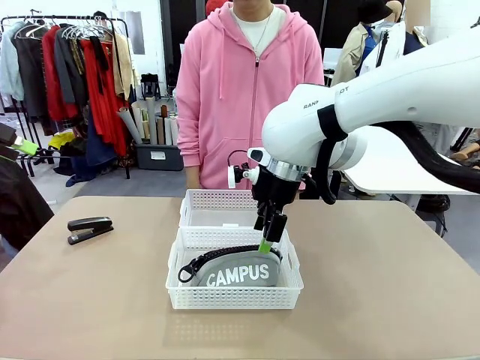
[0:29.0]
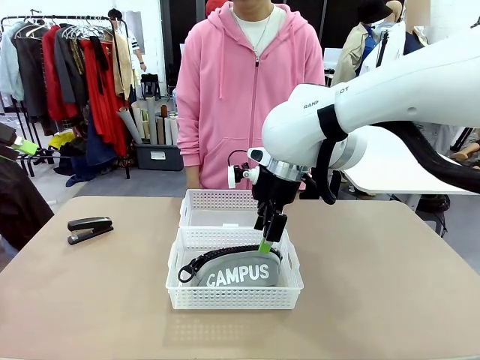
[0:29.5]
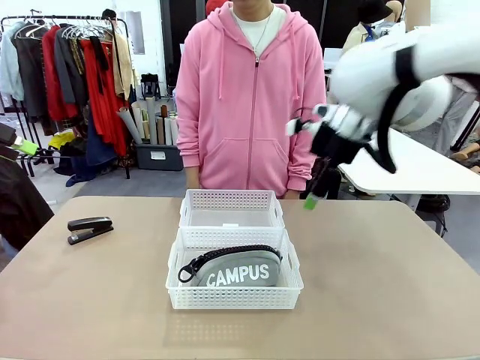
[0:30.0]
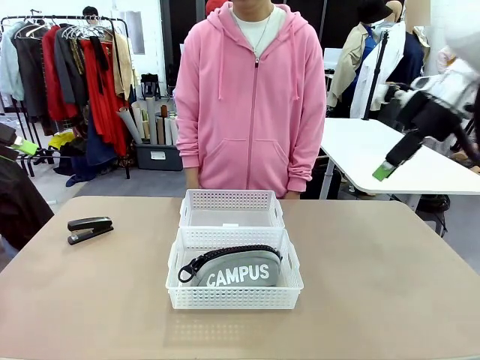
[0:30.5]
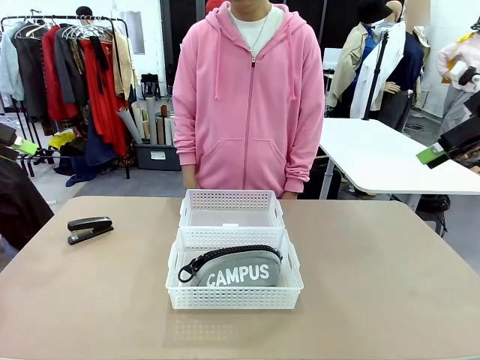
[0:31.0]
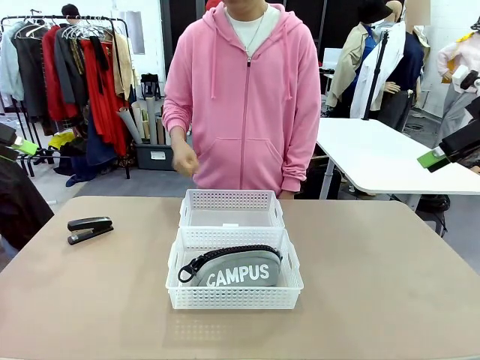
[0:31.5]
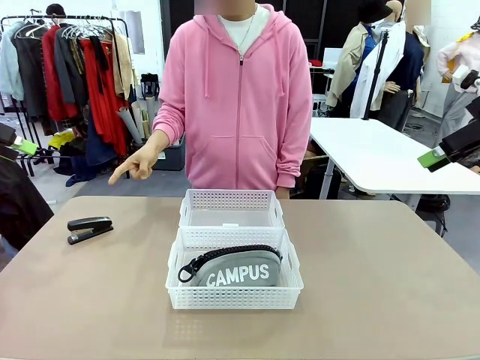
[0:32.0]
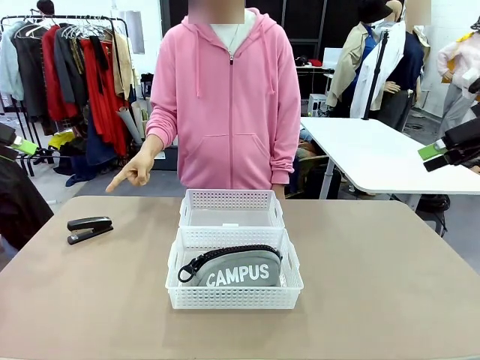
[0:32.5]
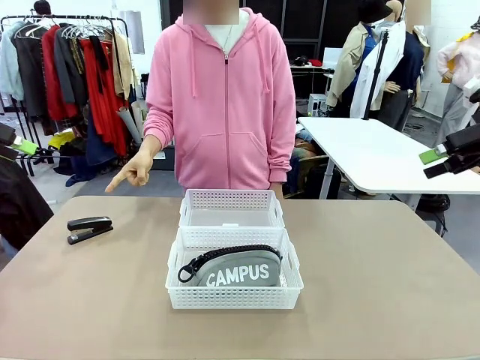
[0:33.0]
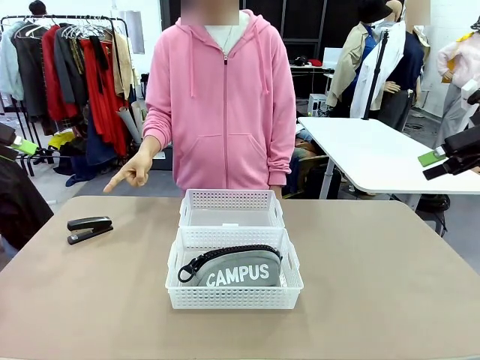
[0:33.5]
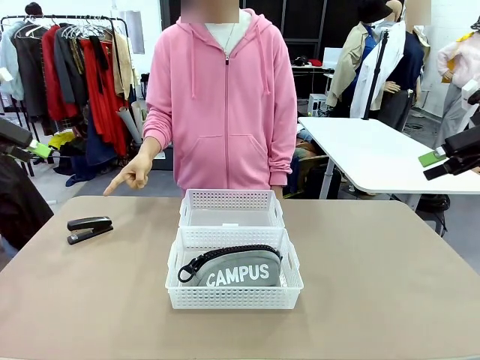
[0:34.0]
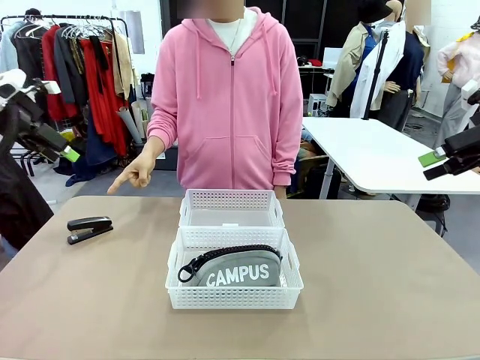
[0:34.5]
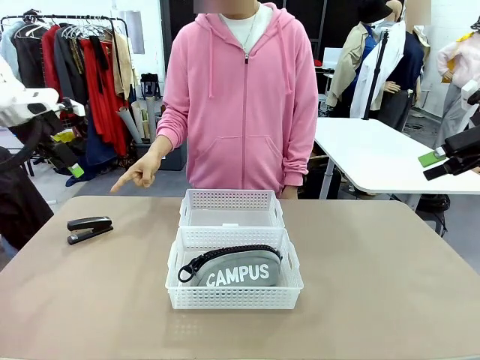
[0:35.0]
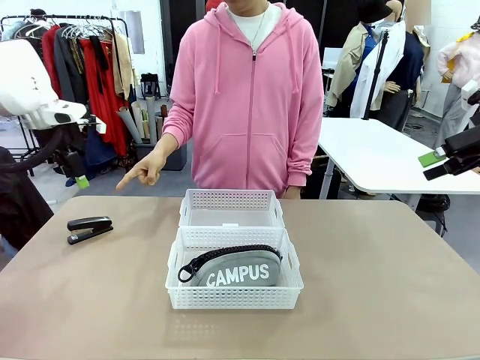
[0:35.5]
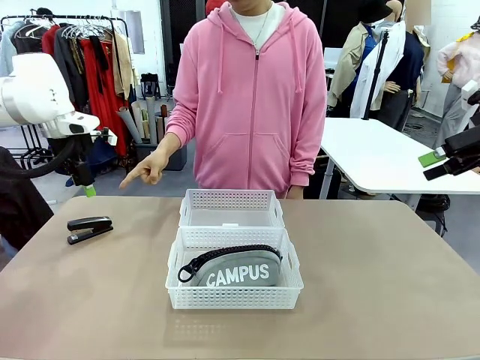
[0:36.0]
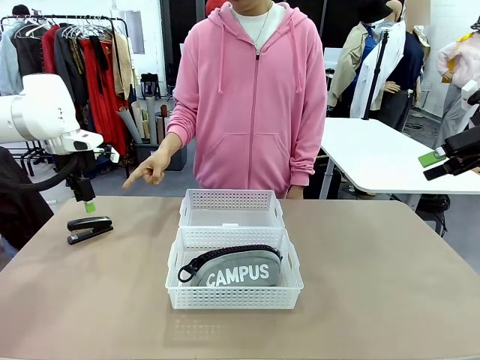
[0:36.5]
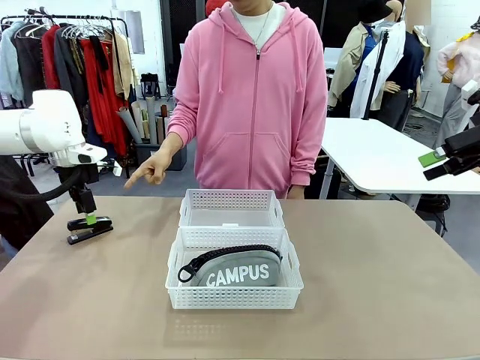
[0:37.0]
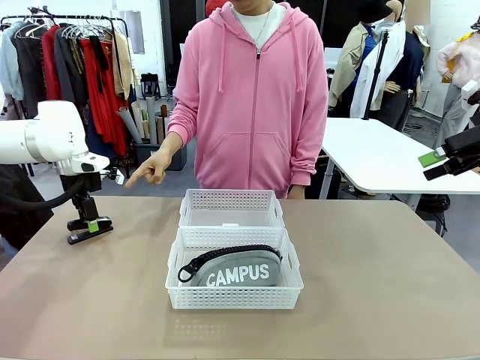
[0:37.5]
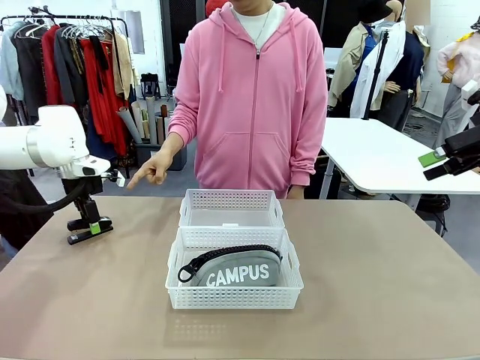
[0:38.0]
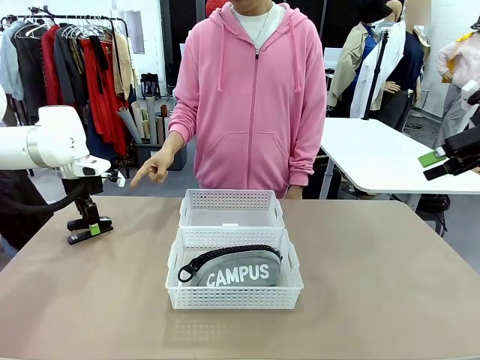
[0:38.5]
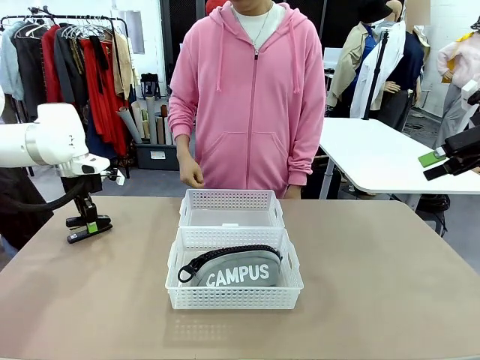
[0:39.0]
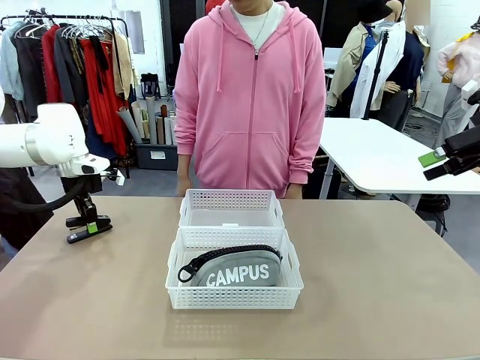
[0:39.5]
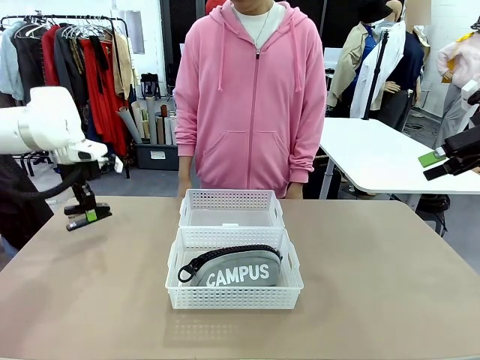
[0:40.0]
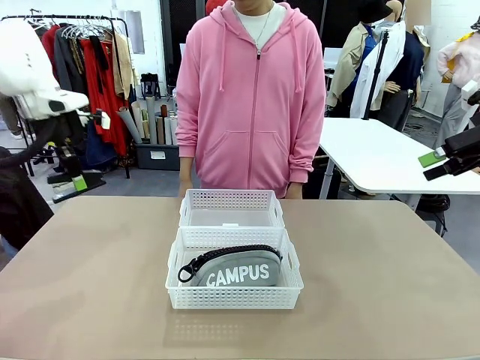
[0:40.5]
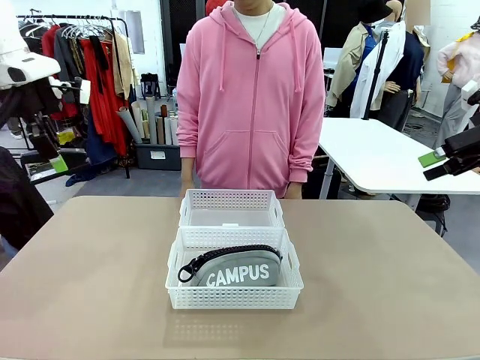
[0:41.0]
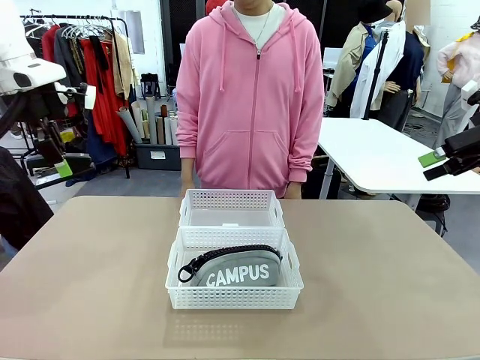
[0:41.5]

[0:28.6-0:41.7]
Task: Distribute items into two baskets.
Robot: Pick up the Stapler that the person points to.

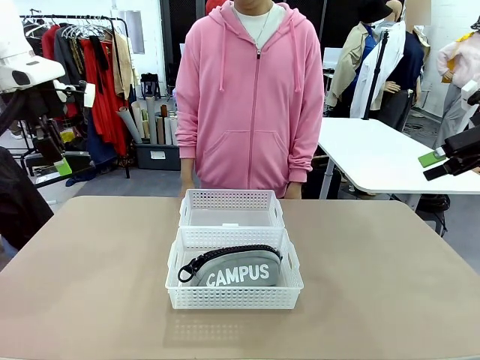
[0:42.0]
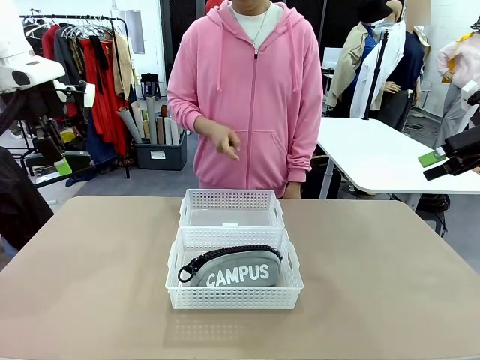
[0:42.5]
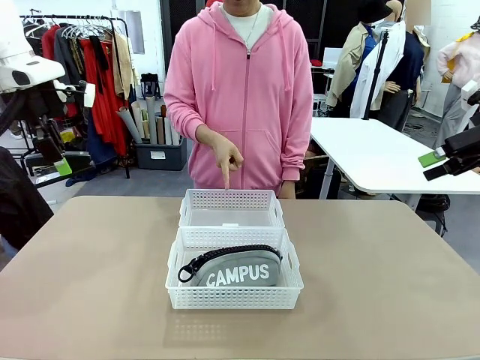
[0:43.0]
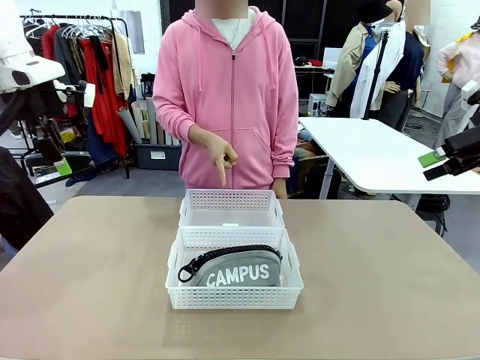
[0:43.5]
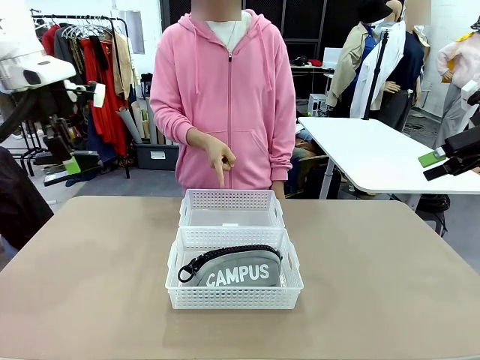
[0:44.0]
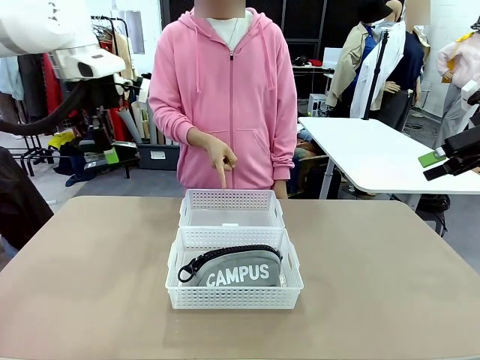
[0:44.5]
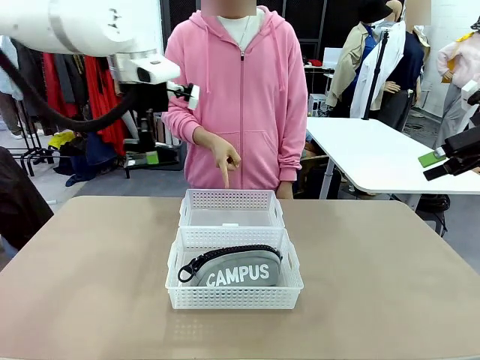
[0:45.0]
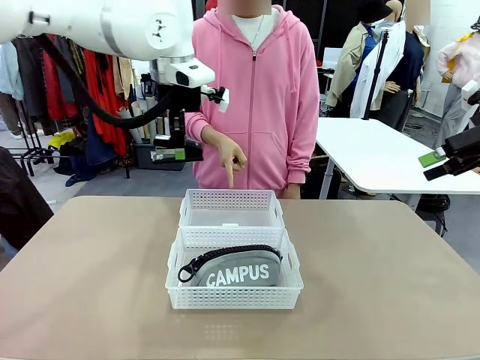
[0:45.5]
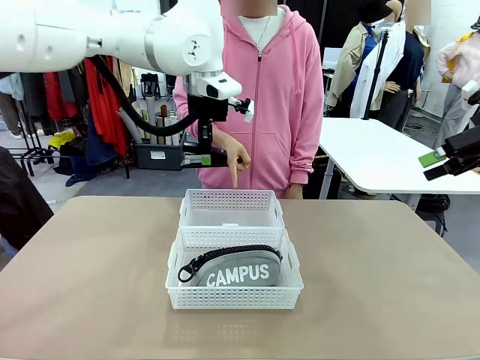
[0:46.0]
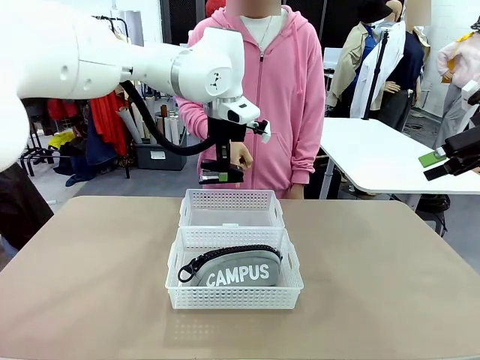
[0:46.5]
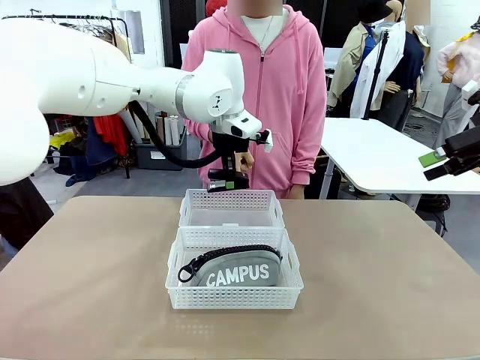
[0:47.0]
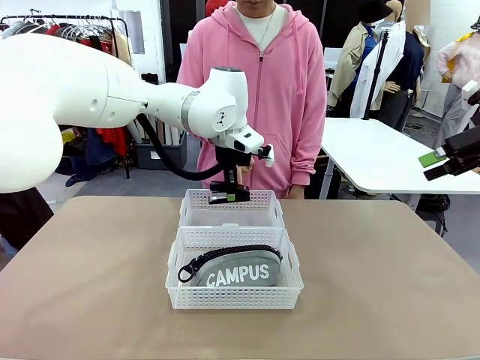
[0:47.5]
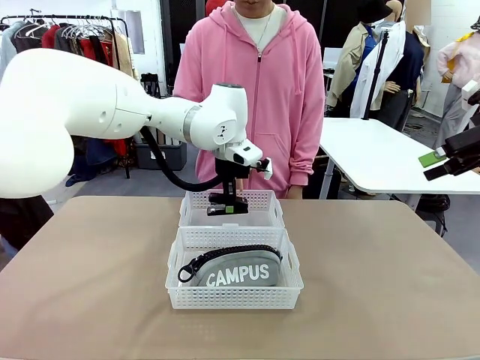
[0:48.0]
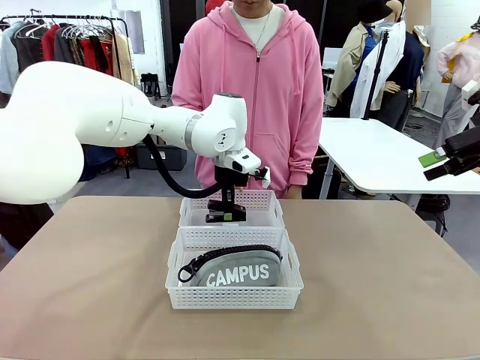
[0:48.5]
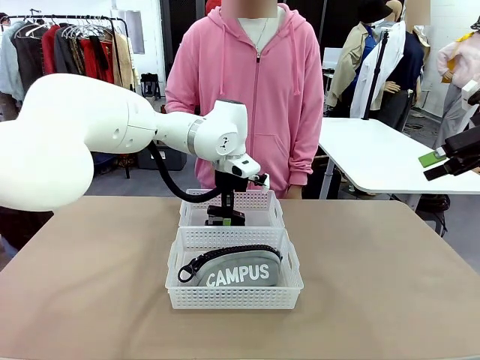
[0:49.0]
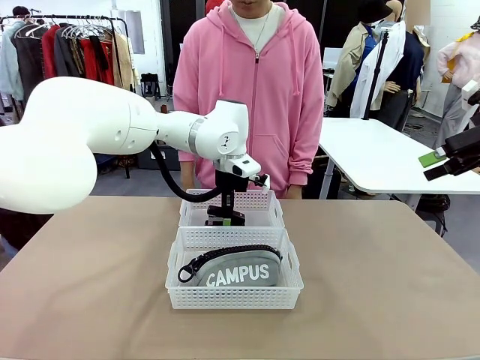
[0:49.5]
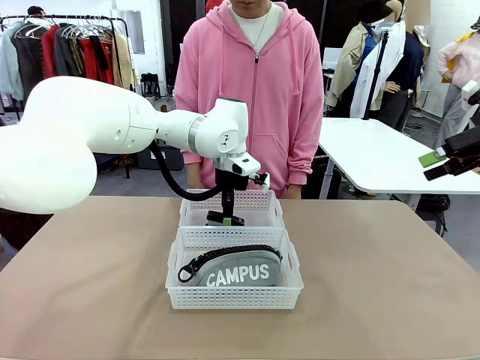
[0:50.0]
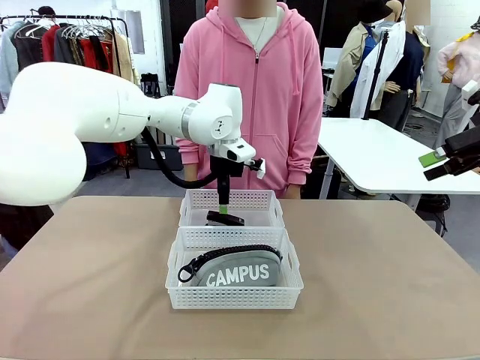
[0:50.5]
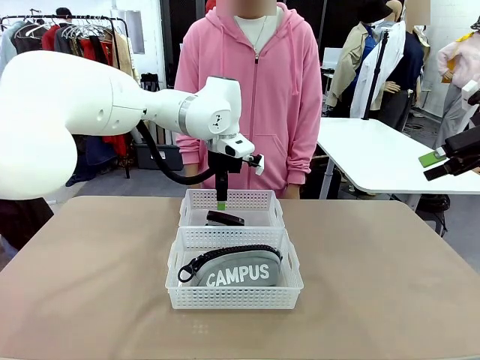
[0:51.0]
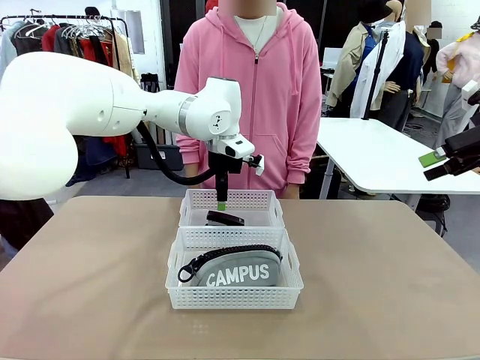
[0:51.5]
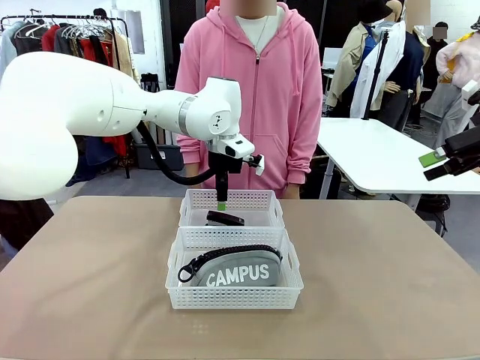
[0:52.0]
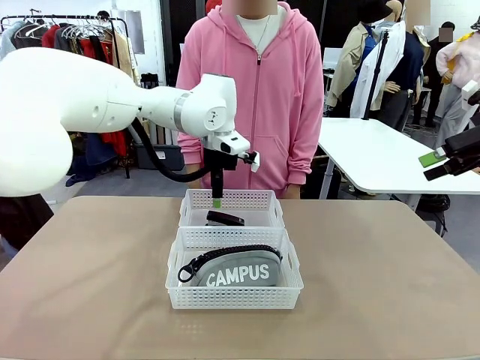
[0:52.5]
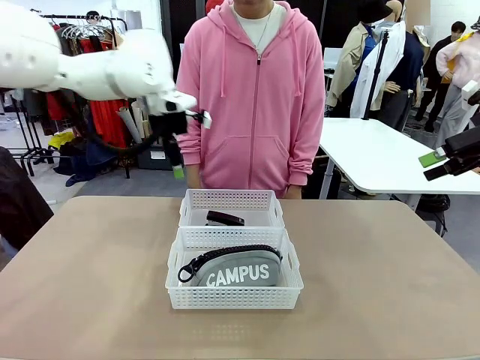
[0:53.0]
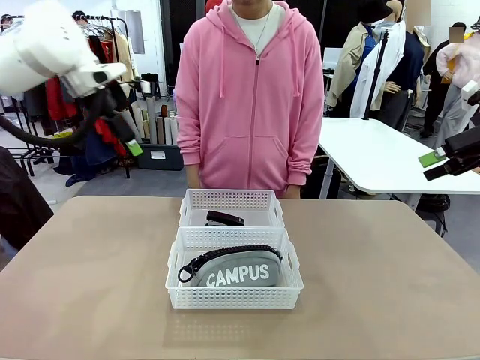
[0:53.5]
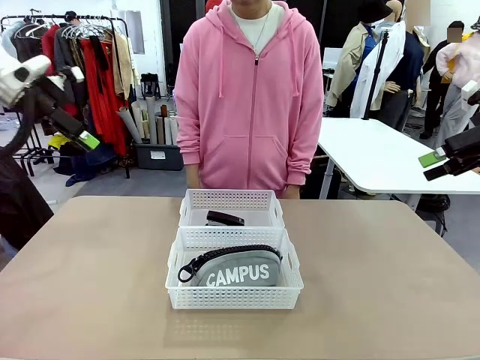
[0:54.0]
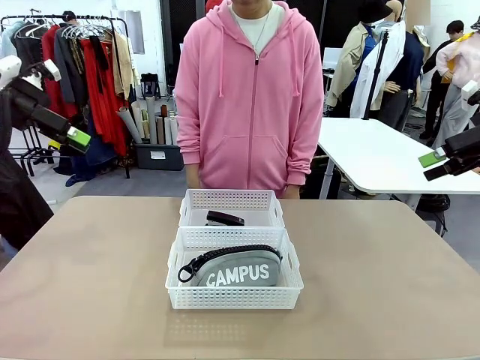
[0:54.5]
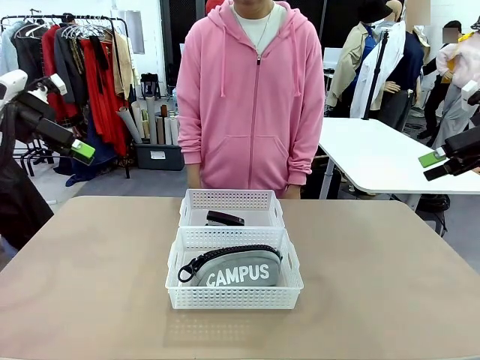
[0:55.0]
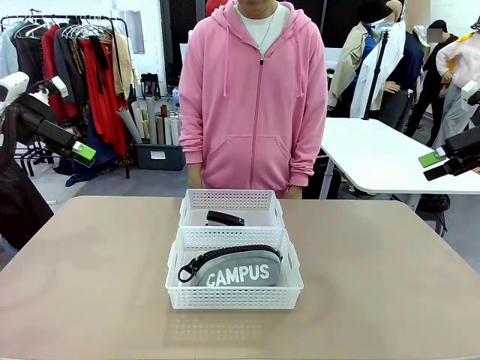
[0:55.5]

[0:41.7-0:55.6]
Robot: Place the picked Stapler into the Organizing basket as instructed by the person.
Person: Points to the basket that does not contain the pencil case and instructs the robot to move the stapler there.
